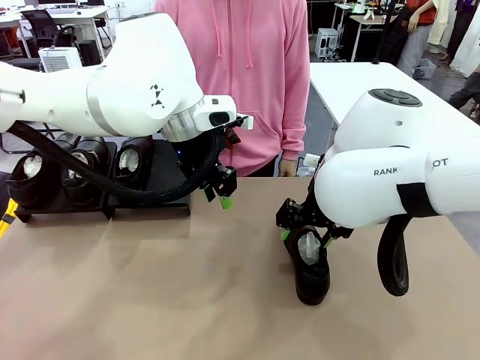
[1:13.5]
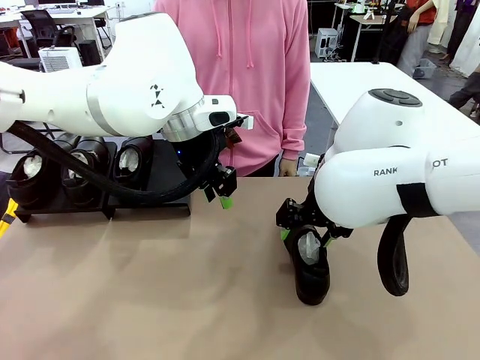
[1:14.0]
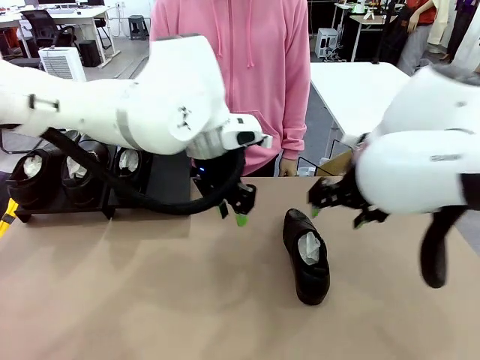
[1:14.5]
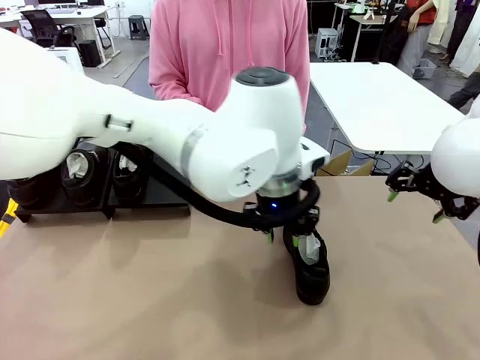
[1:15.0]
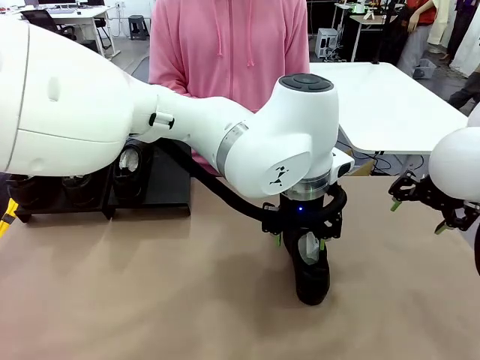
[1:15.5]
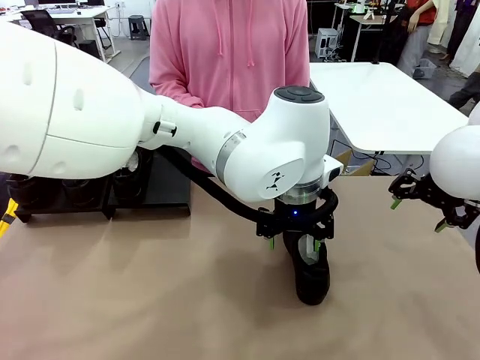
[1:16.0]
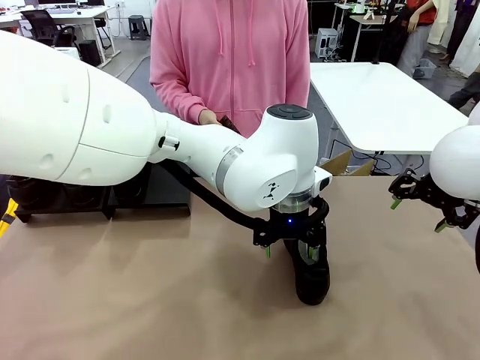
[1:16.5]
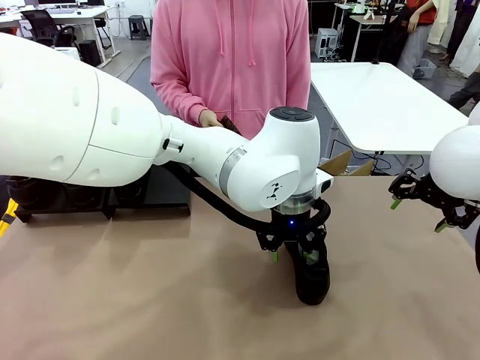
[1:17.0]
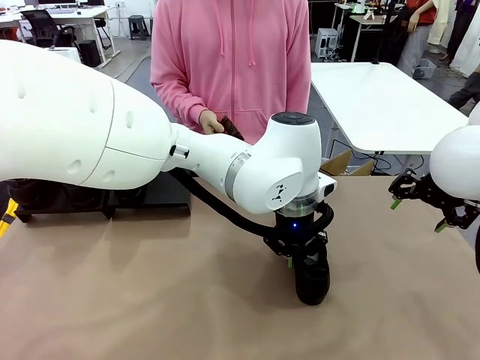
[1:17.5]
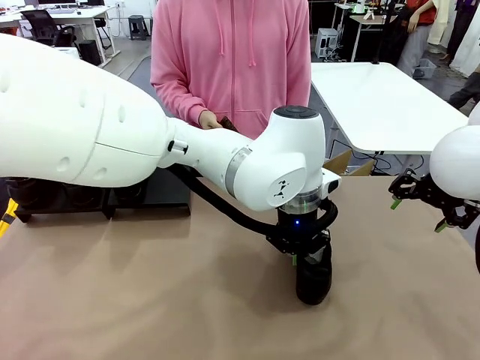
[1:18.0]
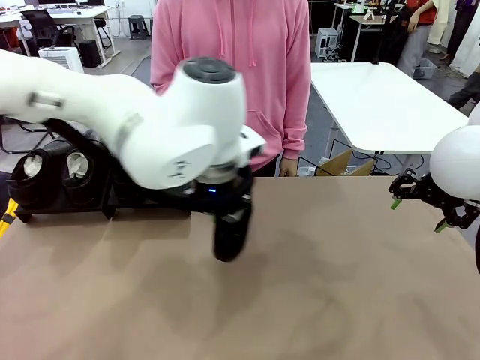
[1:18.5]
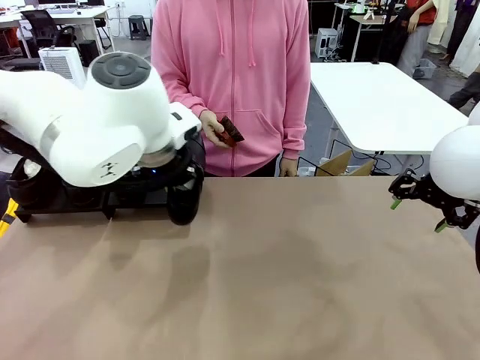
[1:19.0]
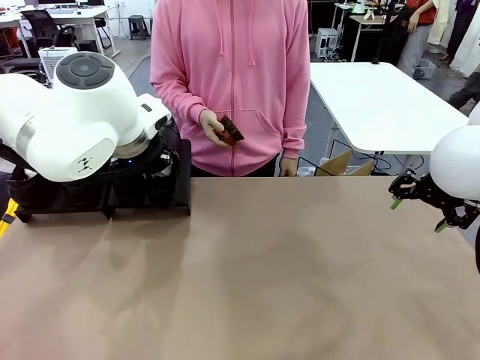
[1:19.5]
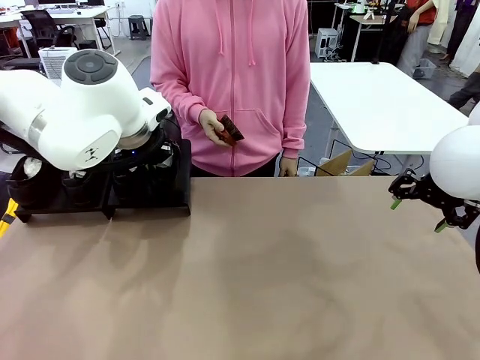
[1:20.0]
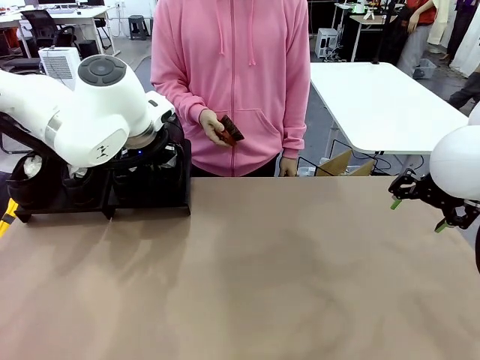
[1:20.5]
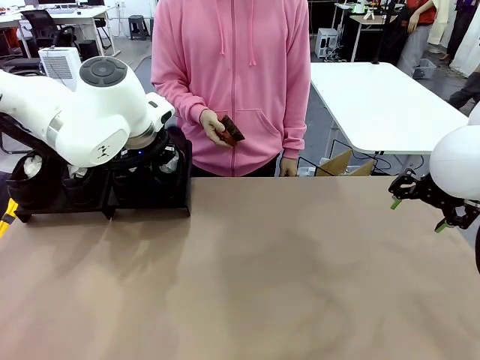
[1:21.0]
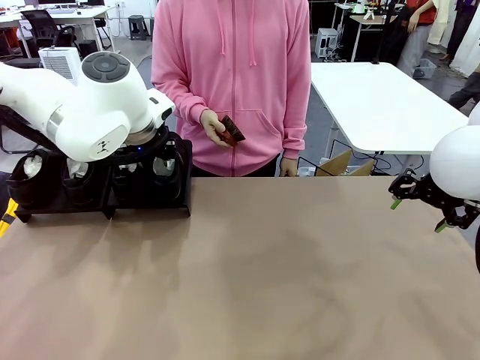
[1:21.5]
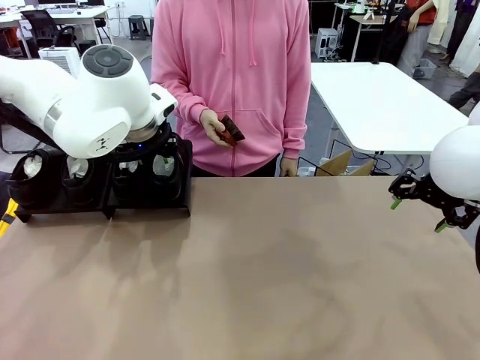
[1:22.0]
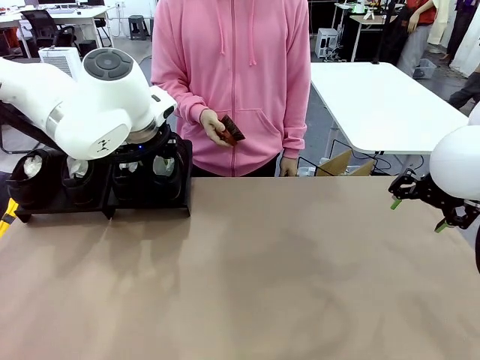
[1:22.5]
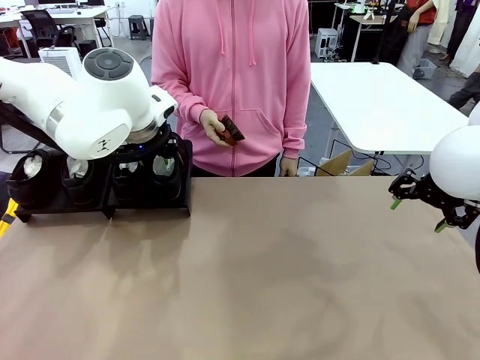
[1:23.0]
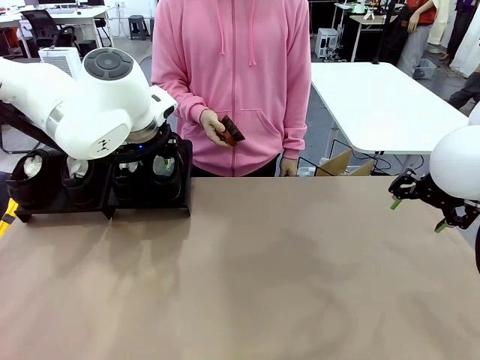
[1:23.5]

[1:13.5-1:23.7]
Task: Organize the shoes by placing them on the stand.
Robot: Place the Shoe from the middle of the table onto the Shoes Stand.

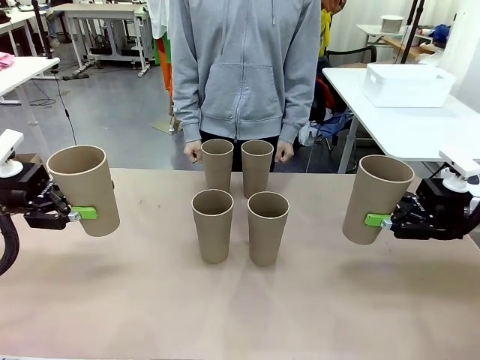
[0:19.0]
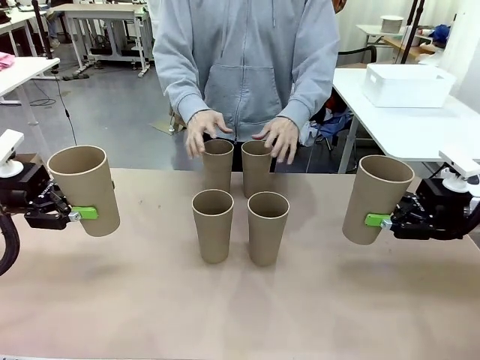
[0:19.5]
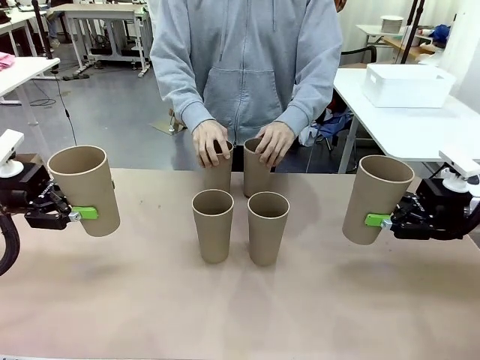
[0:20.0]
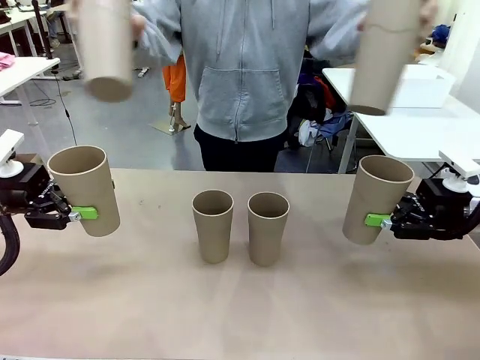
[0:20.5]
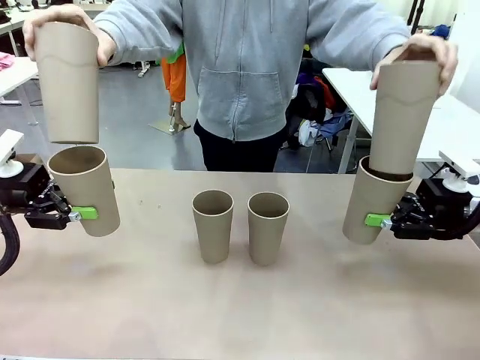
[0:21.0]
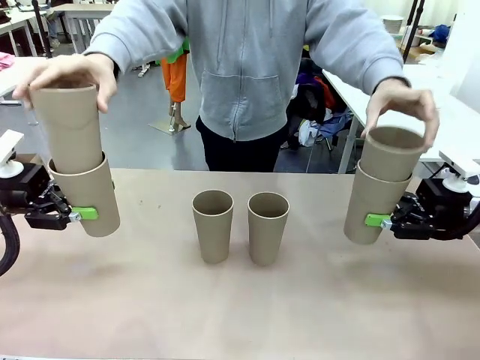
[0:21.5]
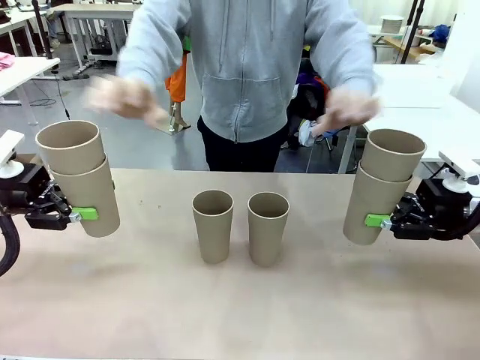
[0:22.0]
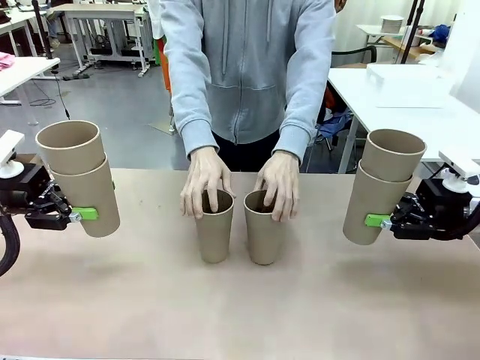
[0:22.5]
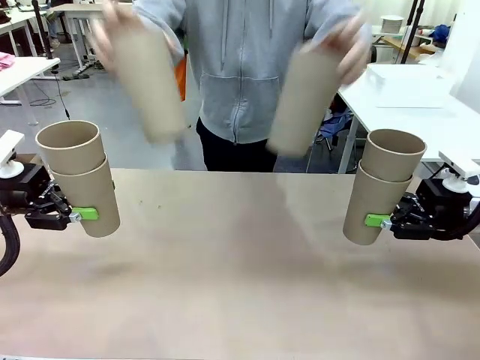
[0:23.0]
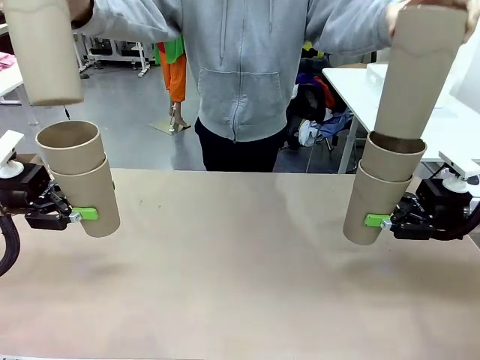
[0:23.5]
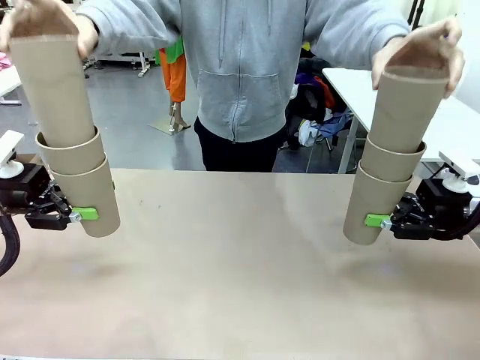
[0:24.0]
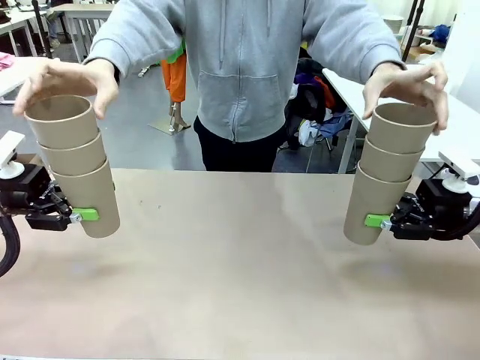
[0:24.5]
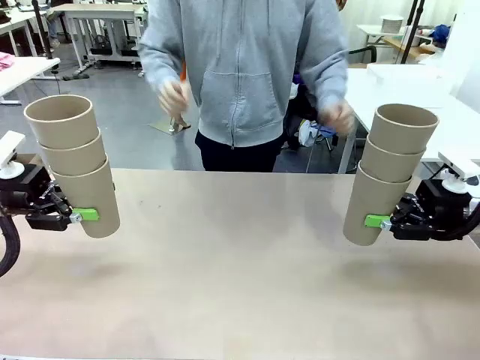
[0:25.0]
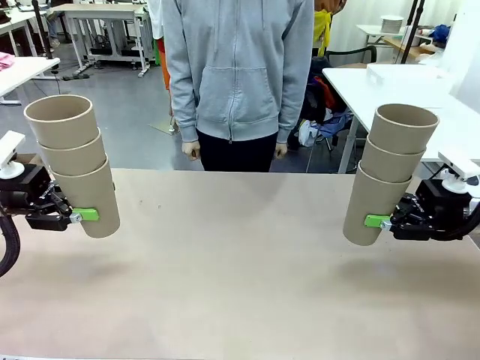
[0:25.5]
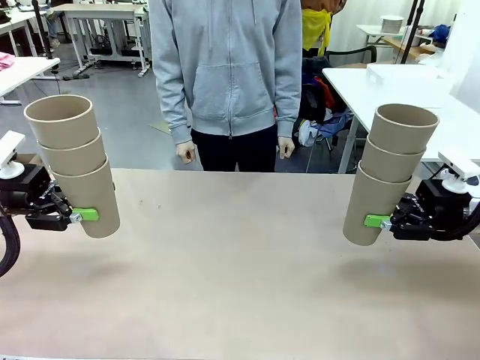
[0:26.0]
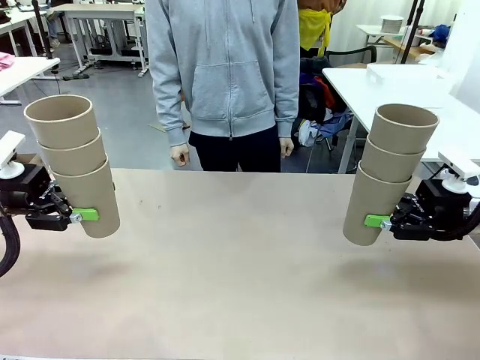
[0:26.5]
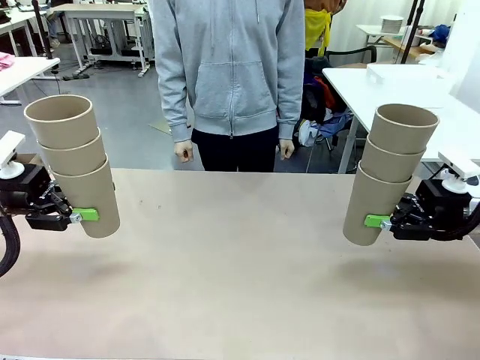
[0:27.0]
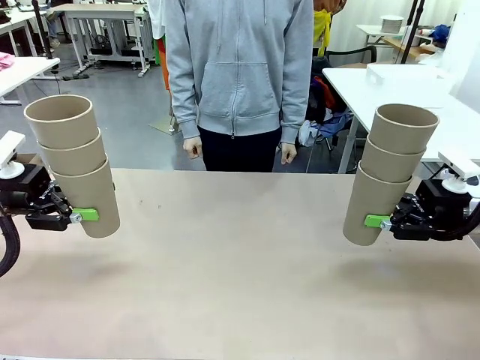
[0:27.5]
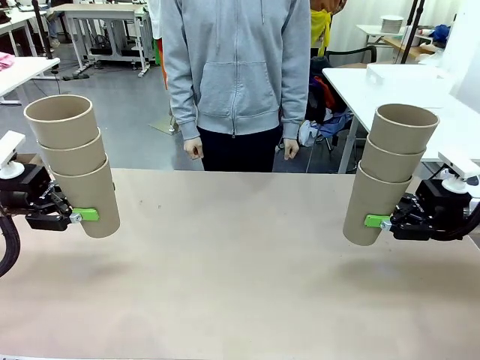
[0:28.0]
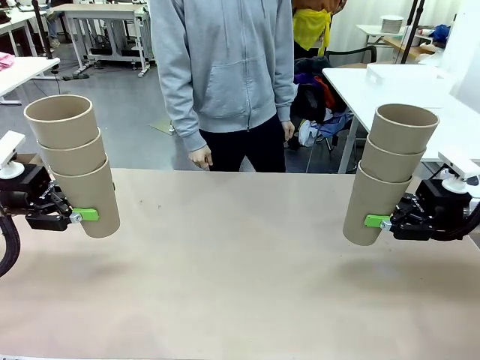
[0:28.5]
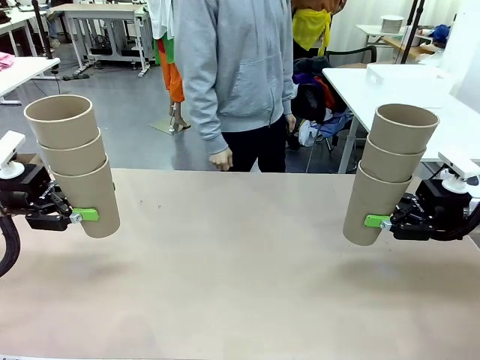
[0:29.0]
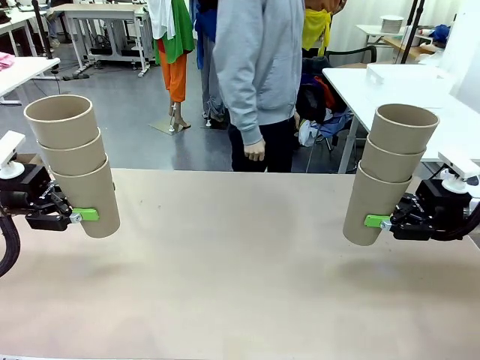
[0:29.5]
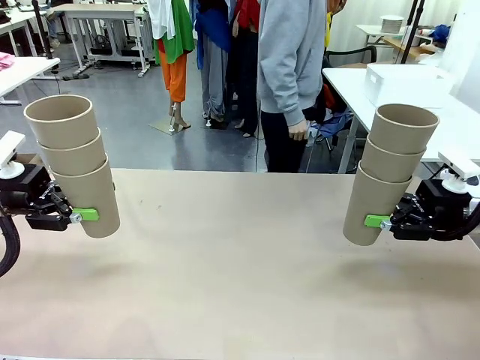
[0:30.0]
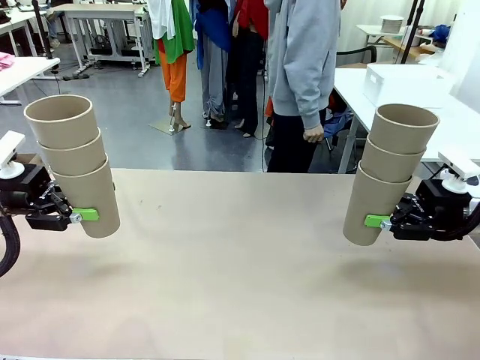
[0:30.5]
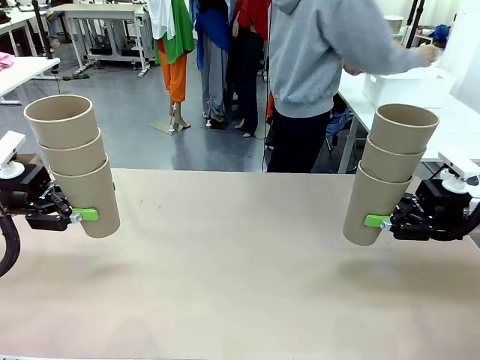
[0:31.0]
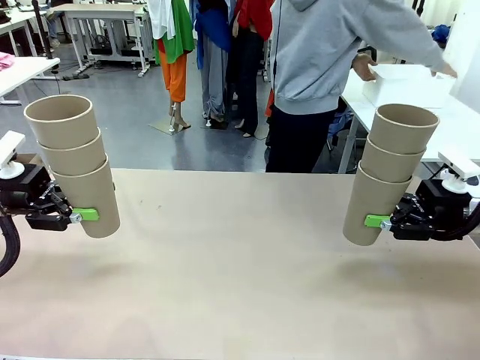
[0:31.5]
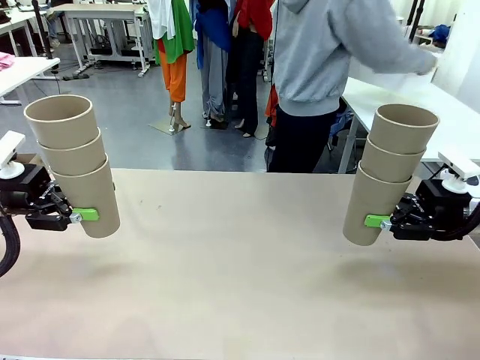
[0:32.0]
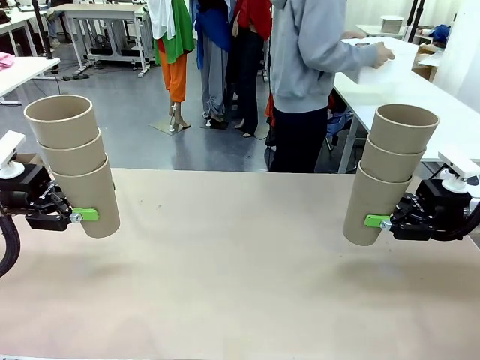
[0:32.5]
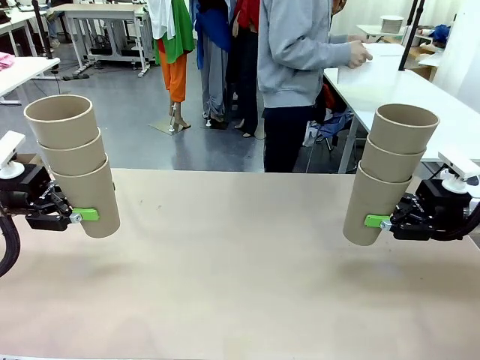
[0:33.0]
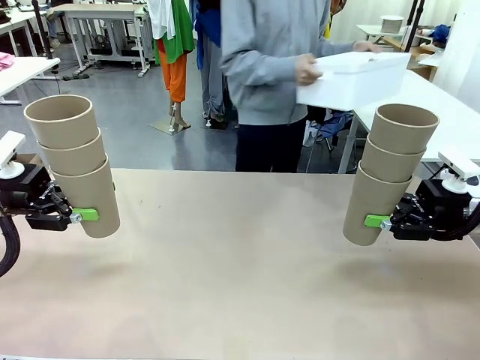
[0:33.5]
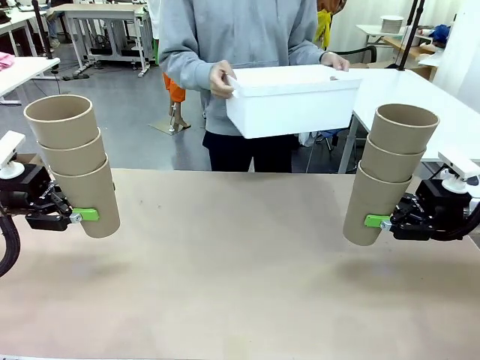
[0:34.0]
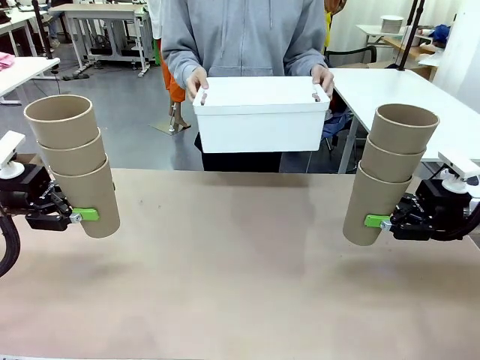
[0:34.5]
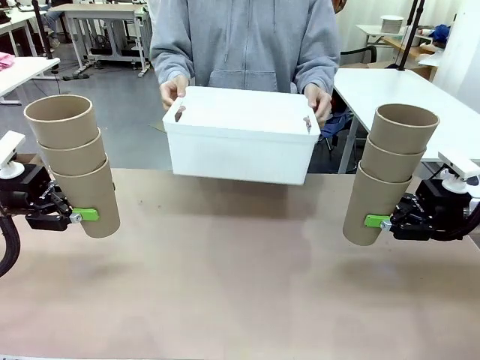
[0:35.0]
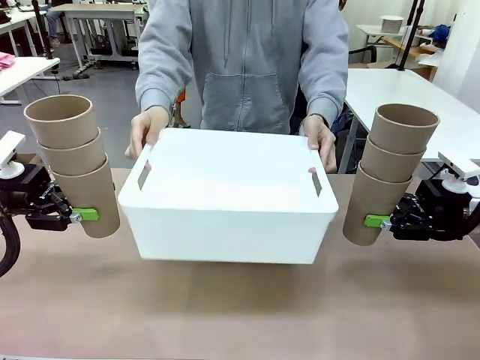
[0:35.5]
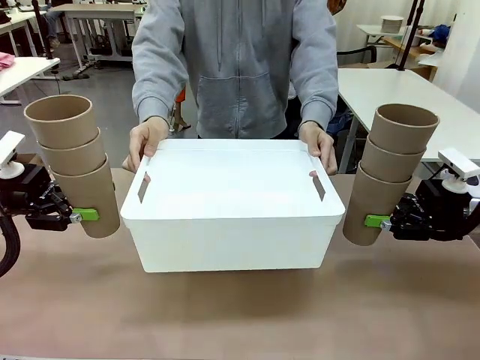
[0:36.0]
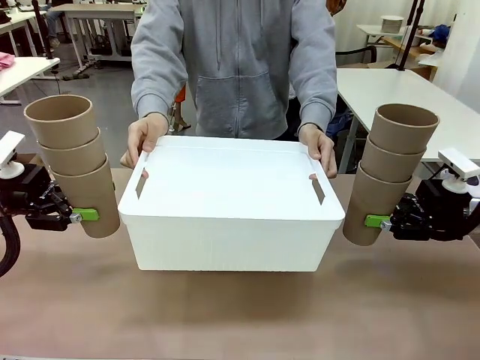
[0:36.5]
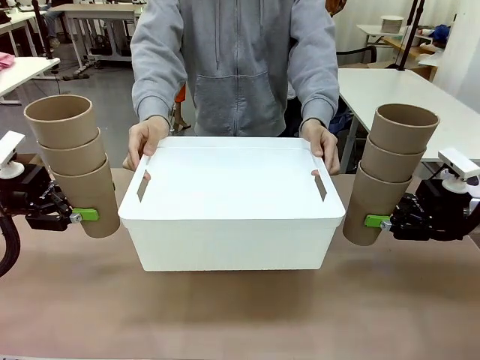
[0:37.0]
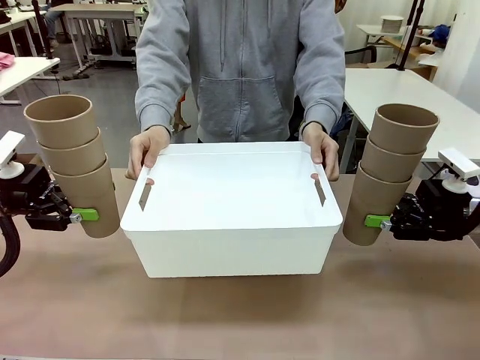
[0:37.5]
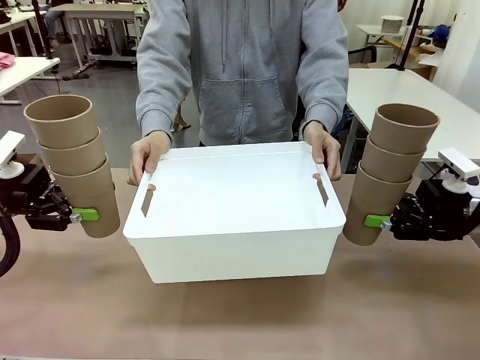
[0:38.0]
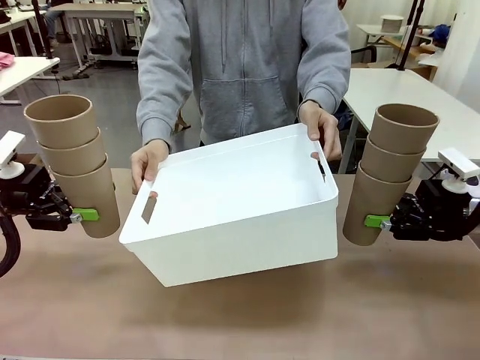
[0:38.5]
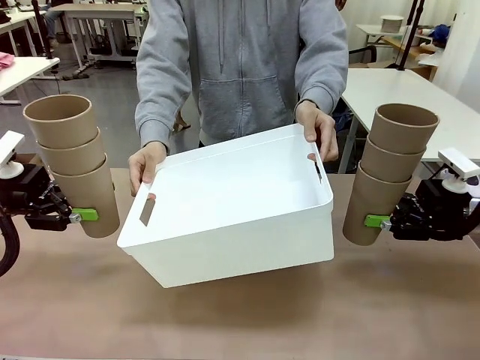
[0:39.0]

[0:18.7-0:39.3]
Task: Stack the cups and store them in the basket.
Robot: Place the stack of Reusable plastic cups into the Pantry Basket.
Person: Pick up the basket from the Human Table, bring it to the front of the robot, and present it.
